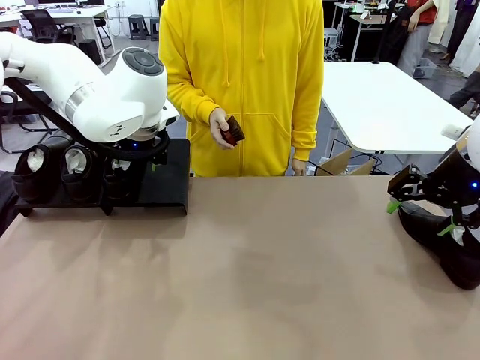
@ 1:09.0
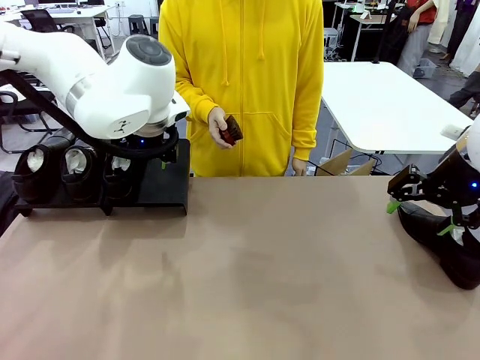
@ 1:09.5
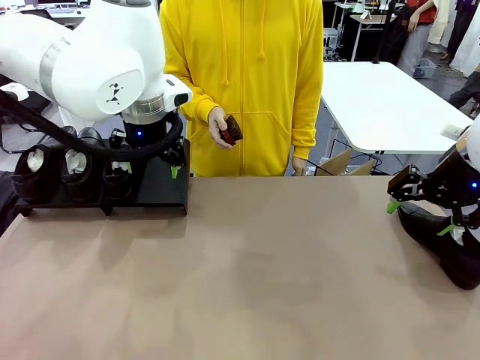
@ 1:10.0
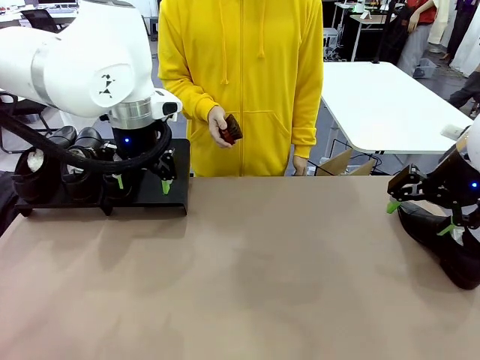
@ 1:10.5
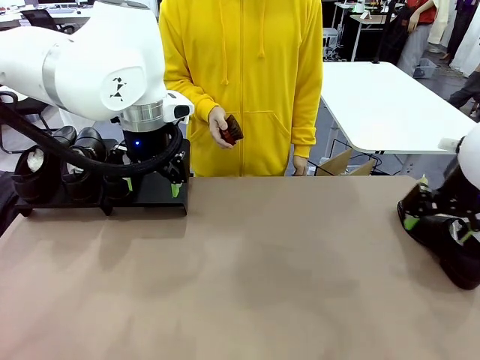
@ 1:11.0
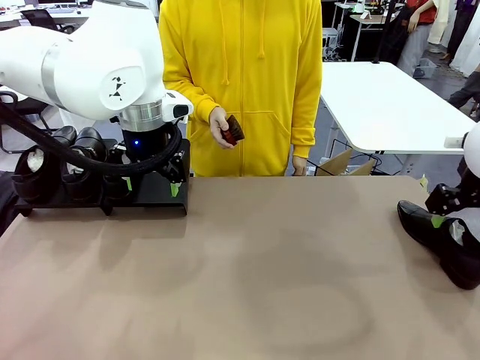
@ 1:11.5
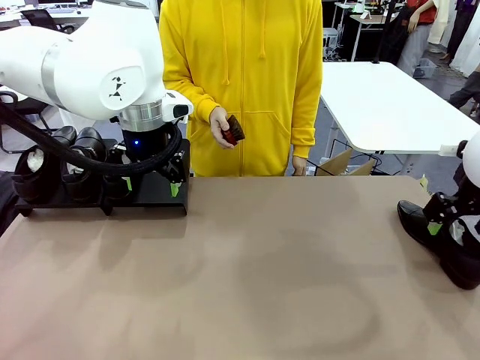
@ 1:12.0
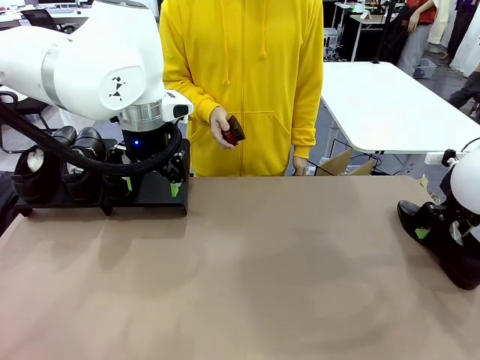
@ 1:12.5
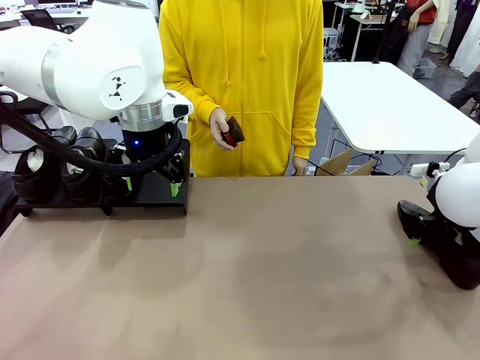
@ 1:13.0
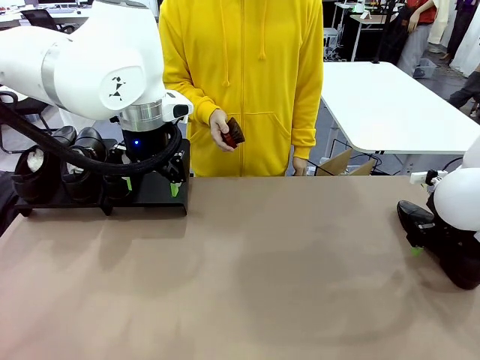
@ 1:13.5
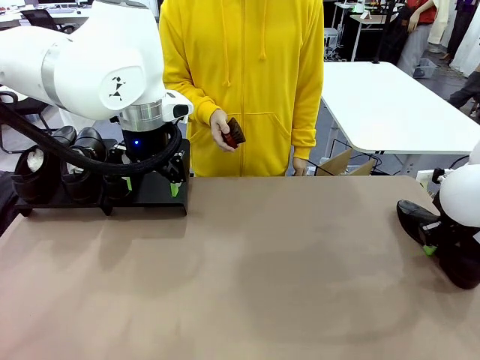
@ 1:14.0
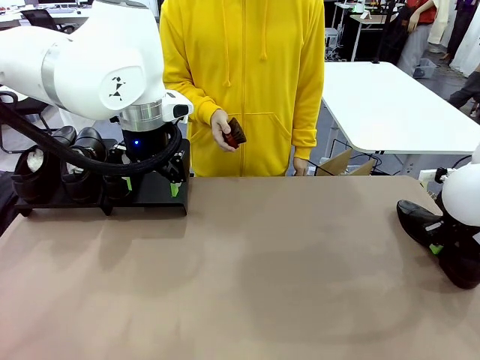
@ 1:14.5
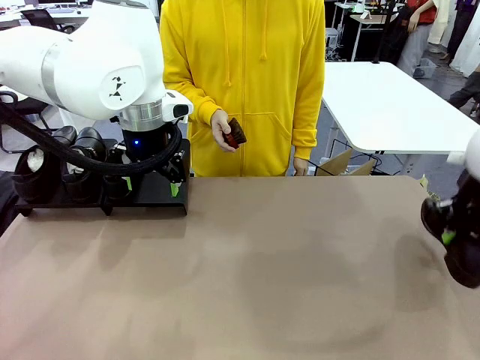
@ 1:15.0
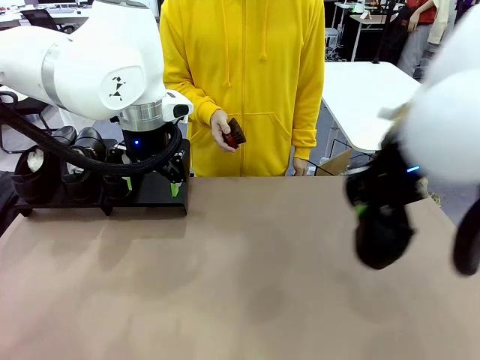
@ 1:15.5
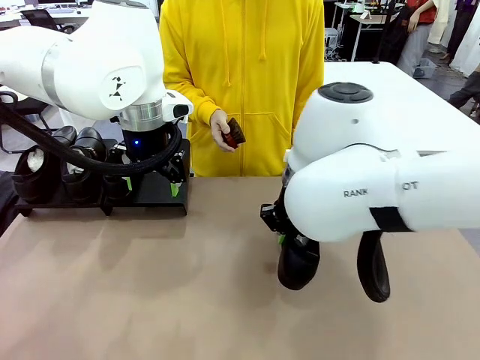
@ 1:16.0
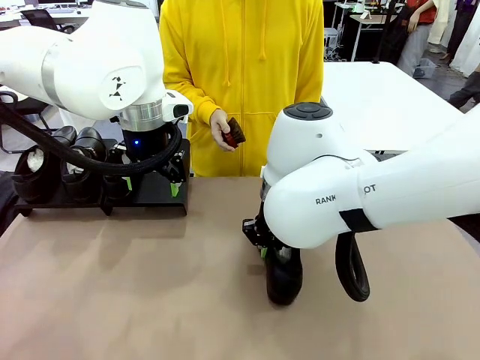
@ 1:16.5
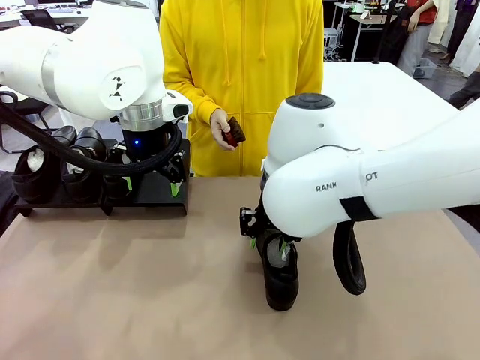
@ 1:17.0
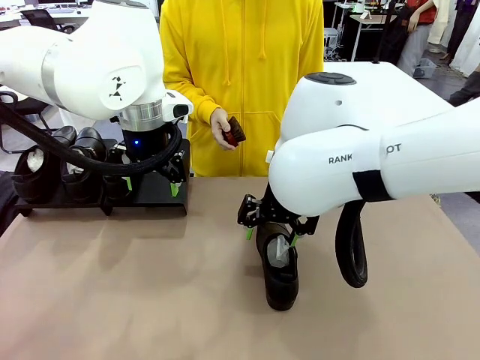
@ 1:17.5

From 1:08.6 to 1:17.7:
Task: Organize the shoes by placing them on the stand.
Robot: Pick up one Shoe and place it in the middle of the table.

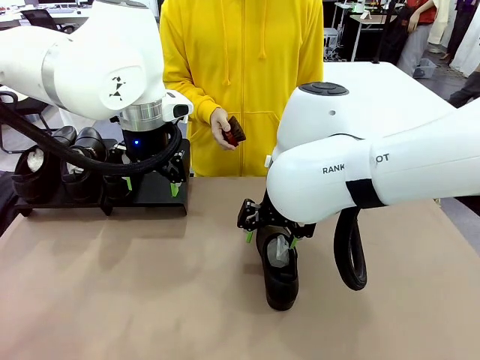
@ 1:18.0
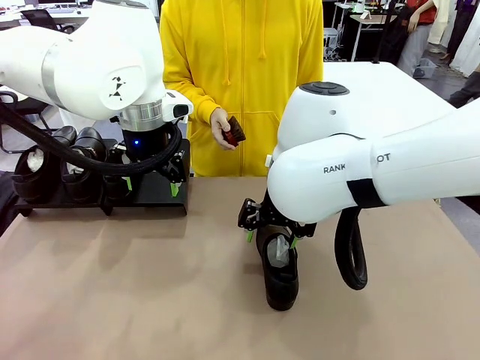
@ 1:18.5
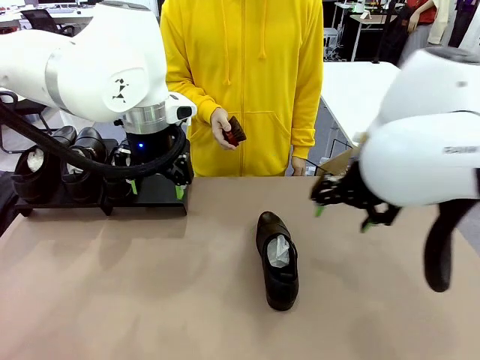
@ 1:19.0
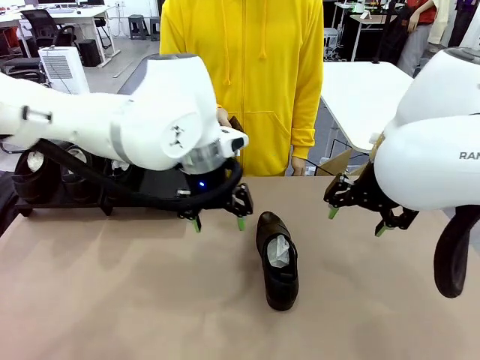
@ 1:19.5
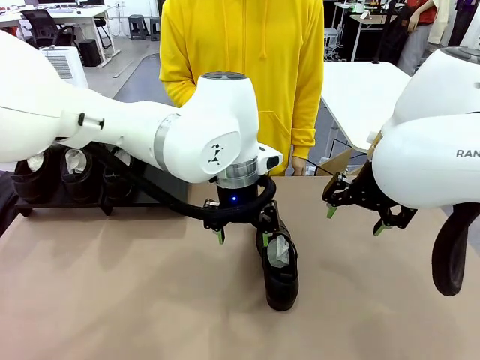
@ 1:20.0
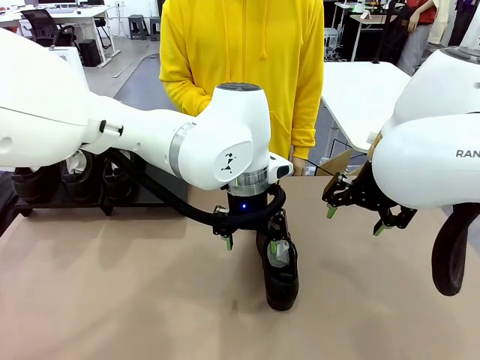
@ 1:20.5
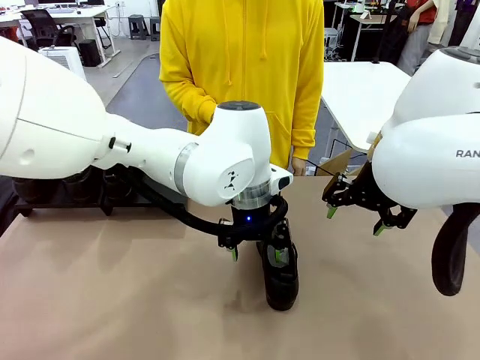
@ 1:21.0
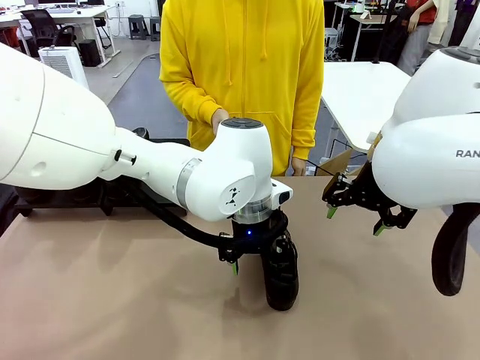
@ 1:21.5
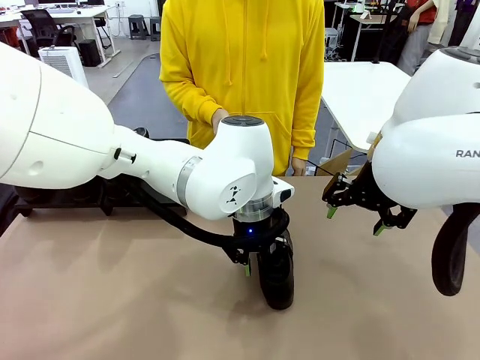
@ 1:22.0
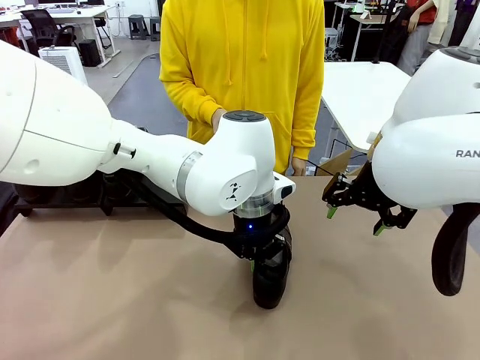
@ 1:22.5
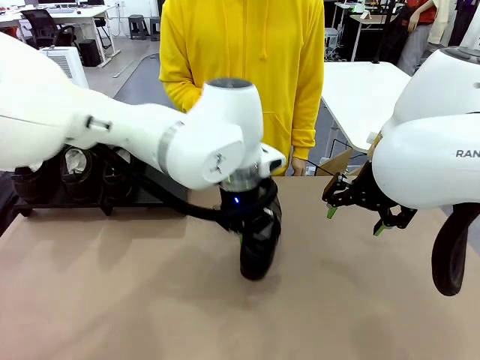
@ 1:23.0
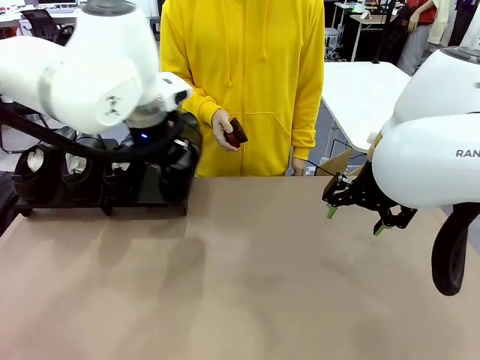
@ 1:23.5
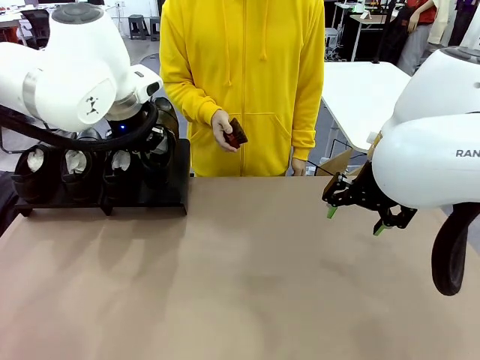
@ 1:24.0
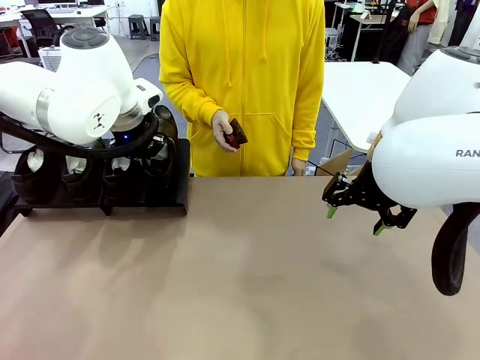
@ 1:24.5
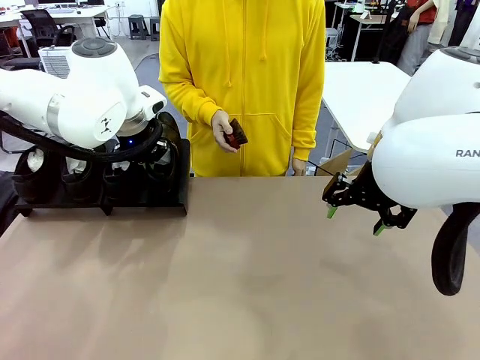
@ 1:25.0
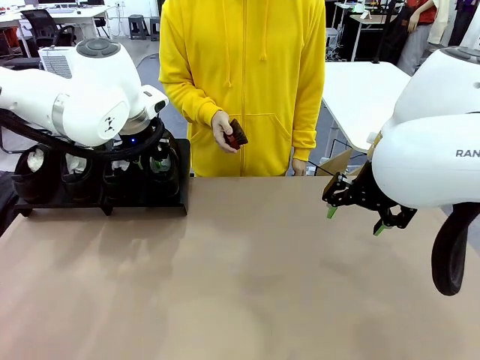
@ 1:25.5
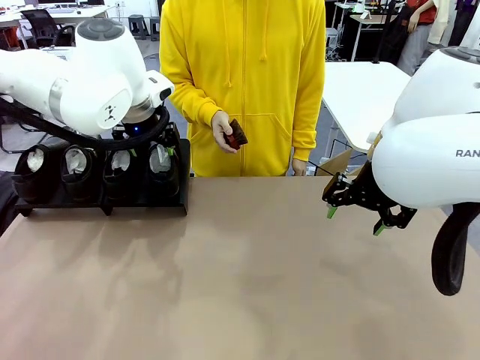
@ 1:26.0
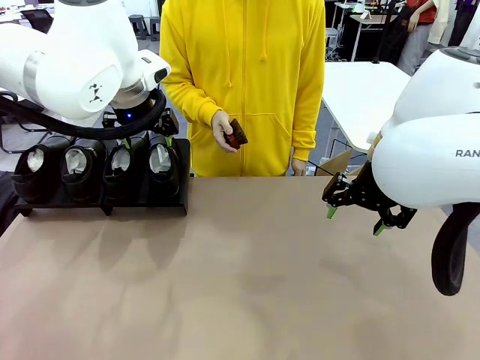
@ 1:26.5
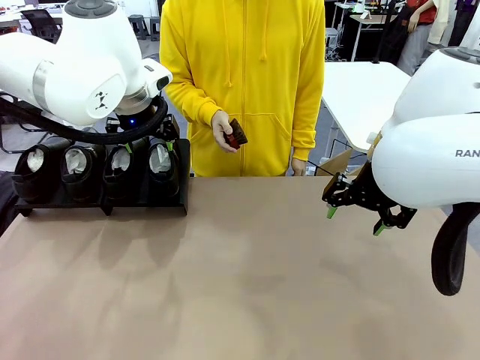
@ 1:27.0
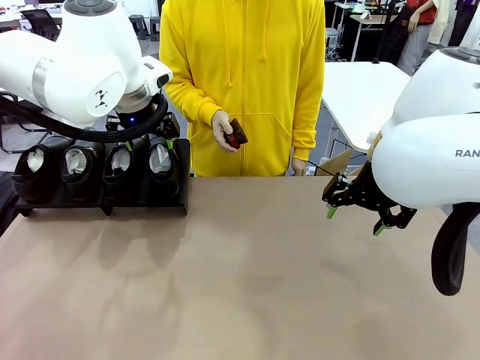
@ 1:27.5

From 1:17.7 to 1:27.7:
Robot: Place the Shoe from the middle of the table onto the Shoes Stand.

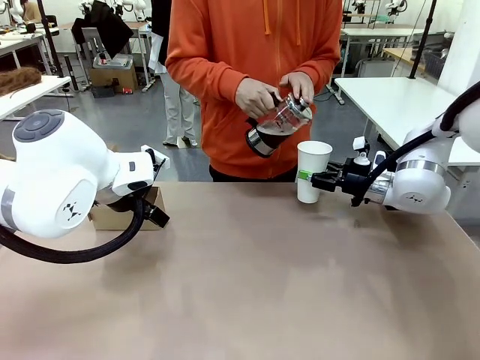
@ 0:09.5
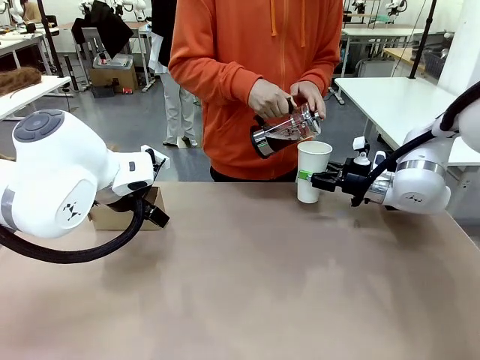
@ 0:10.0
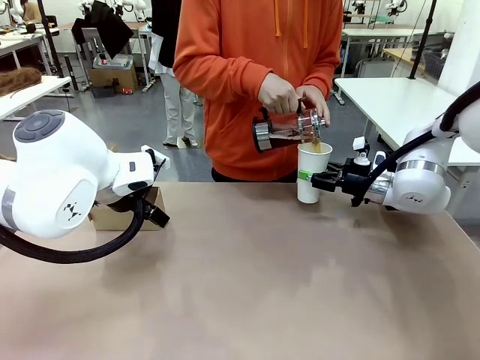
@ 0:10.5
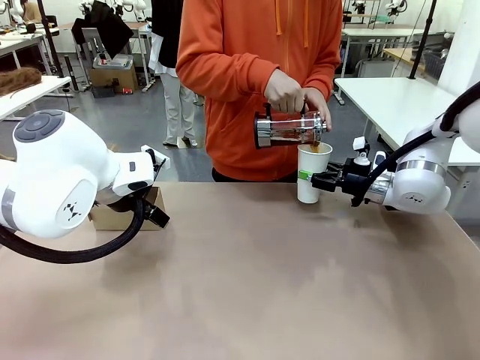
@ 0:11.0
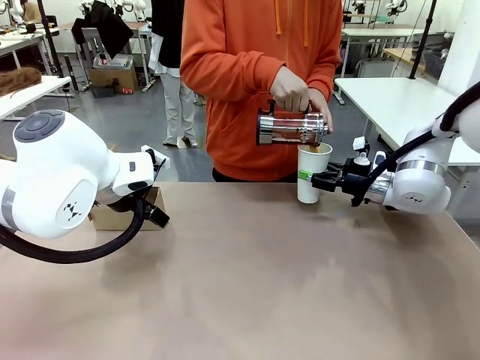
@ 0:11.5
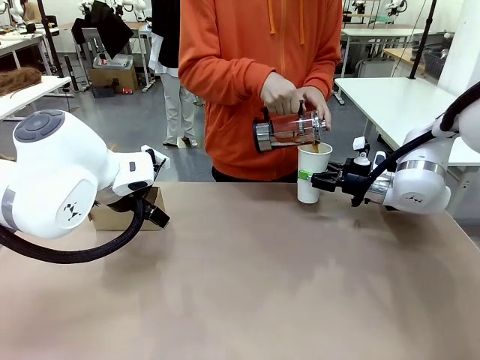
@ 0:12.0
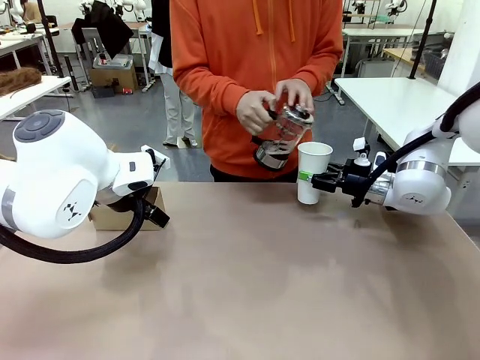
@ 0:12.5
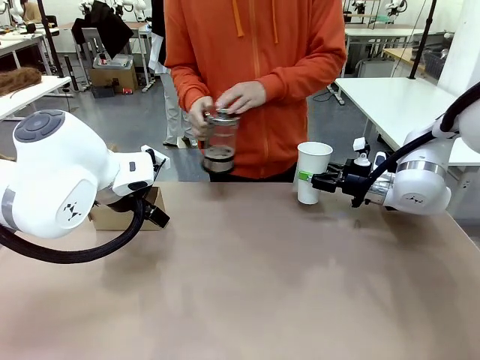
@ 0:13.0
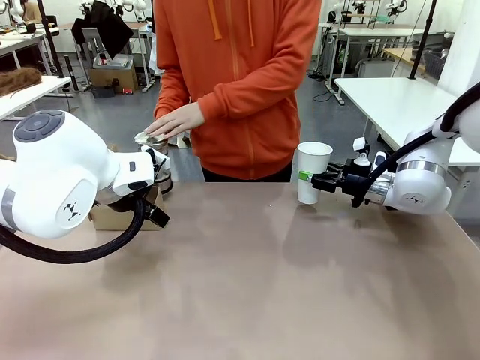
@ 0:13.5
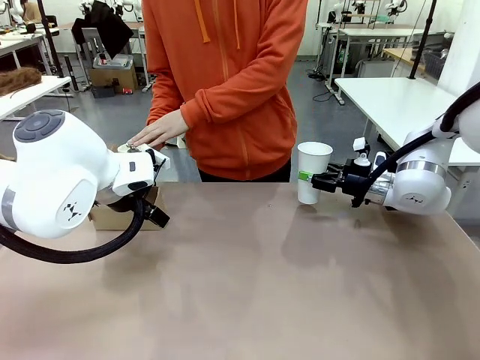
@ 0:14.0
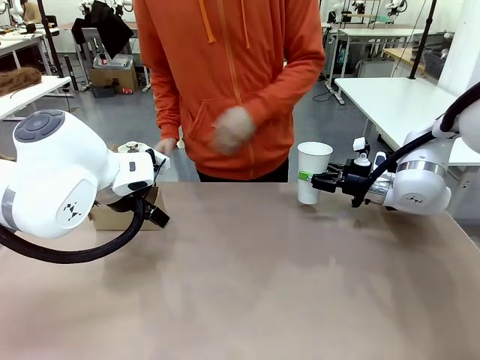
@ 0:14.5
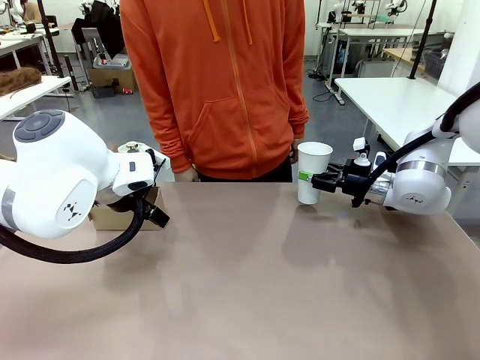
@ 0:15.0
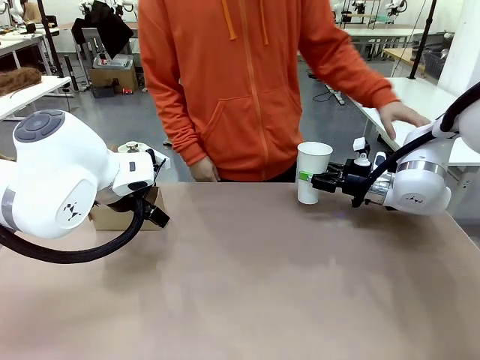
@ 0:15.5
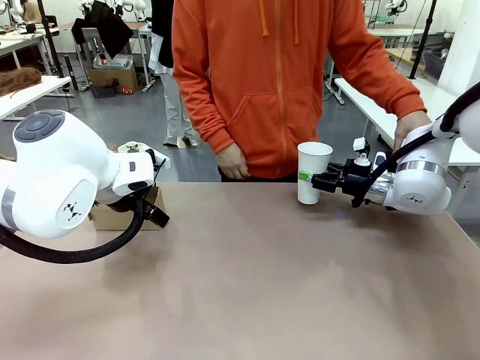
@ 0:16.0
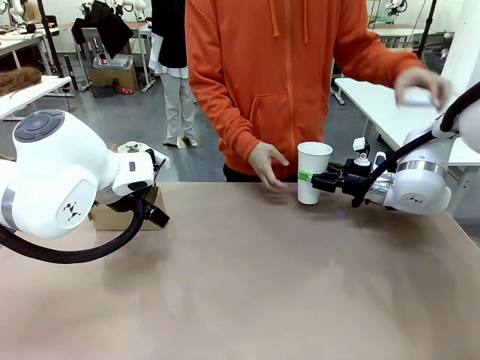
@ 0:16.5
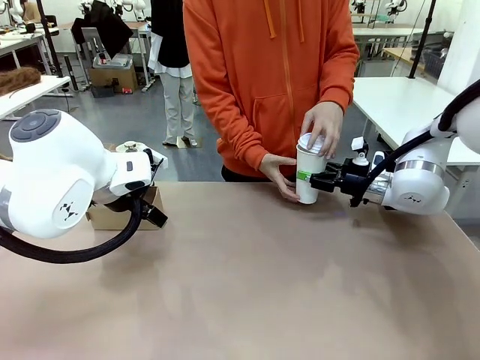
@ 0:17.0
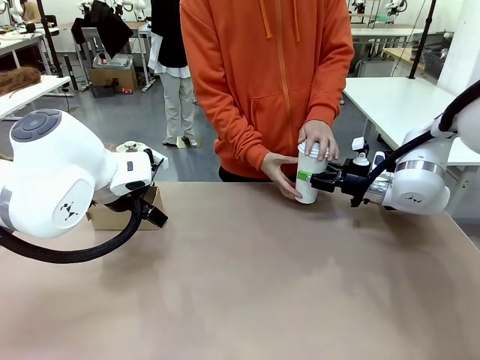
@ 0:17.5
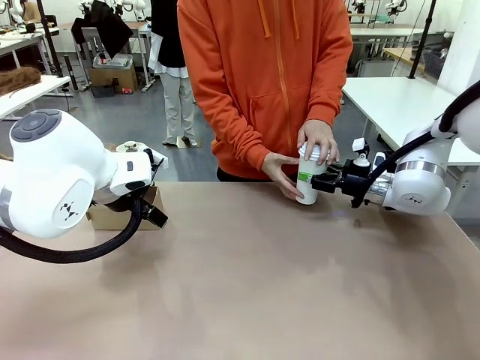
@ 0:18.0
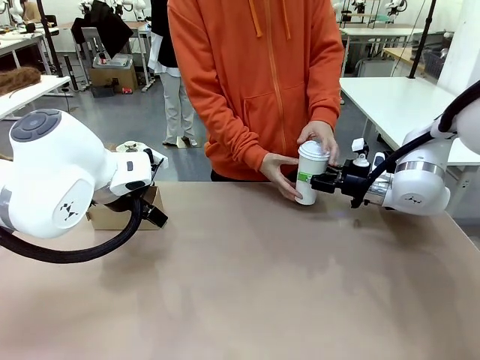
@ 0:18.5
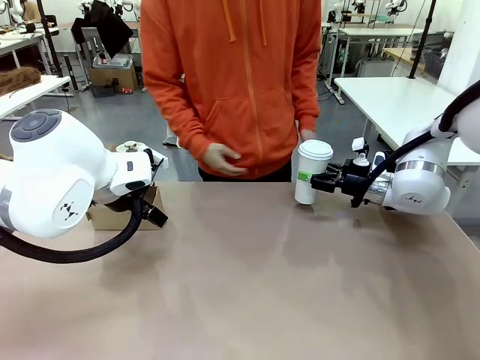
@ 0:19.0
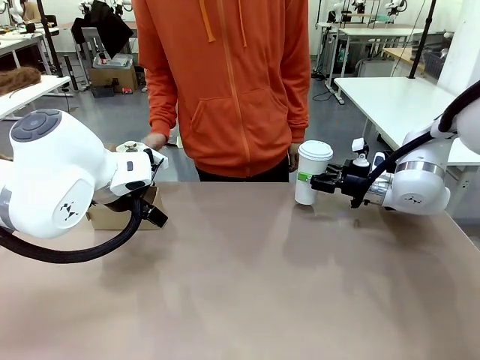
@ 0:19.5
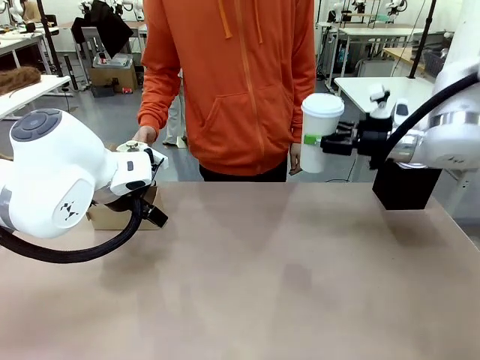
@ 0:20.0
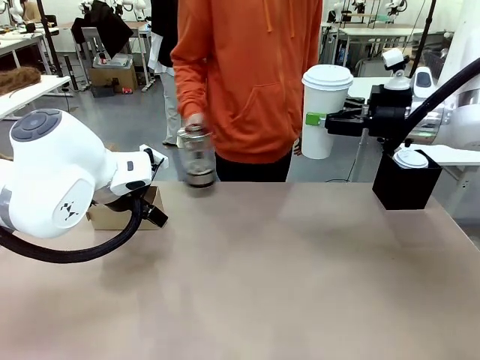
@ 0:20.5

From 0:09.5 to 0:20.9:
Task: Pour a drink into a cup and package it in a carrier.
Robot: When a person places the Paper Cup Lid on the 600 ml Paper Cup , lift the 600 ml Paper Cup.
Person: Pour the drink from the Filter Brewing into the 600 ml Paper Cup. Place a Paper Cup Lid on the 600 ml Paper Cup.
